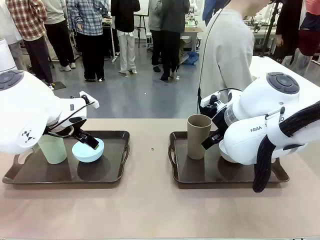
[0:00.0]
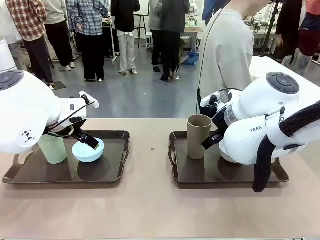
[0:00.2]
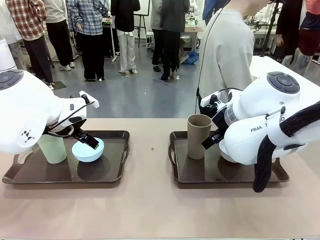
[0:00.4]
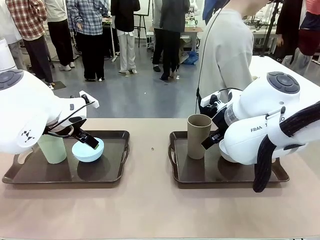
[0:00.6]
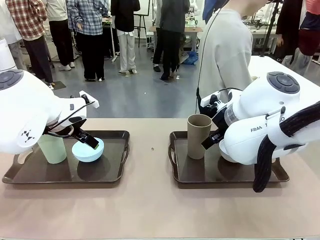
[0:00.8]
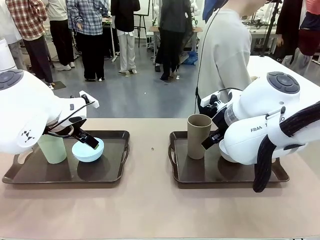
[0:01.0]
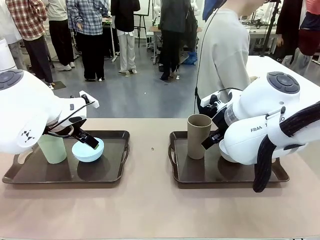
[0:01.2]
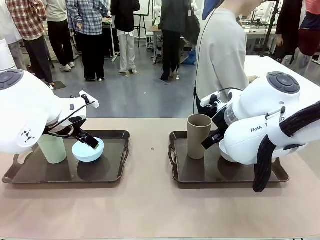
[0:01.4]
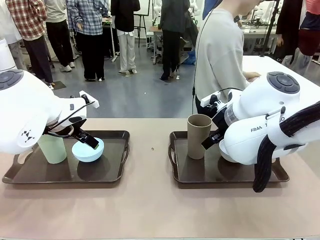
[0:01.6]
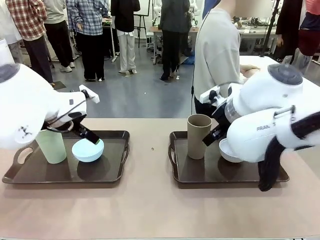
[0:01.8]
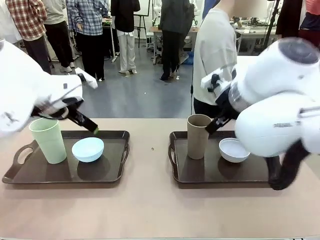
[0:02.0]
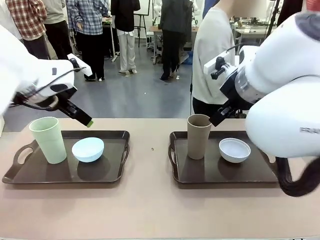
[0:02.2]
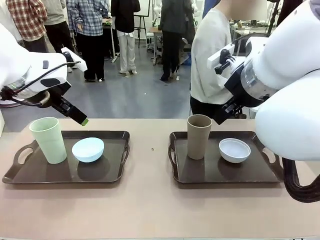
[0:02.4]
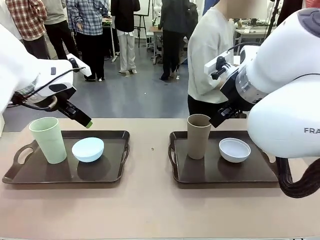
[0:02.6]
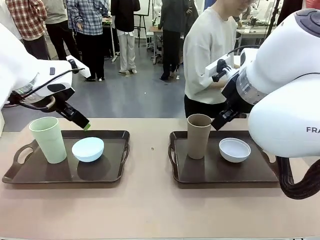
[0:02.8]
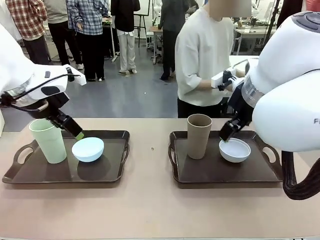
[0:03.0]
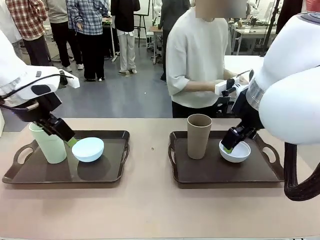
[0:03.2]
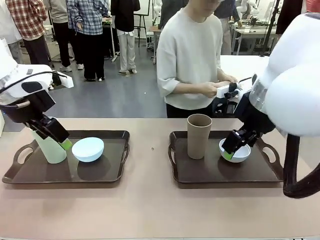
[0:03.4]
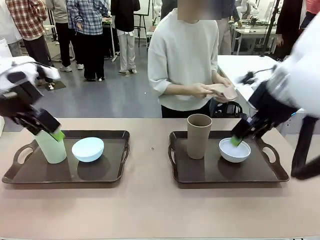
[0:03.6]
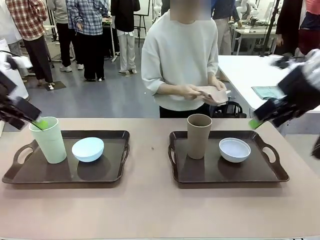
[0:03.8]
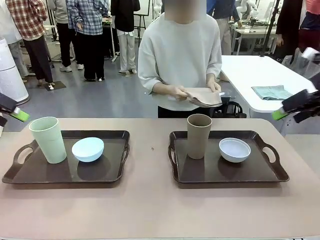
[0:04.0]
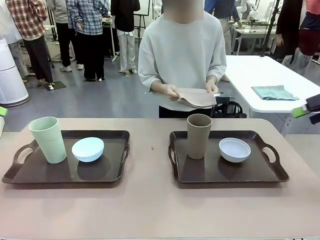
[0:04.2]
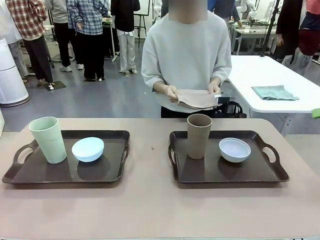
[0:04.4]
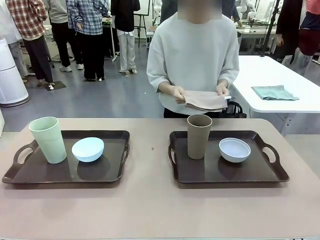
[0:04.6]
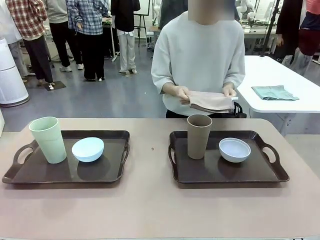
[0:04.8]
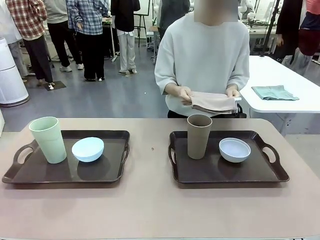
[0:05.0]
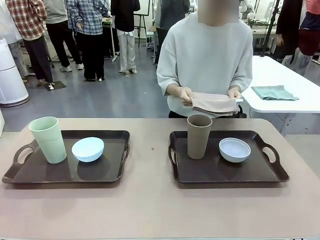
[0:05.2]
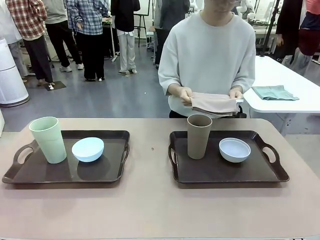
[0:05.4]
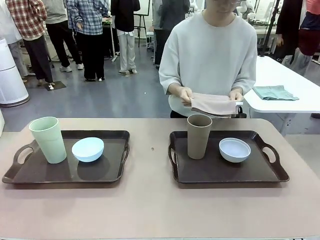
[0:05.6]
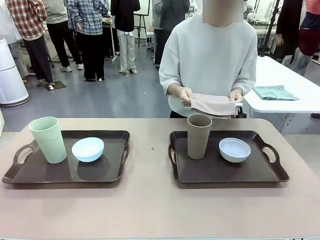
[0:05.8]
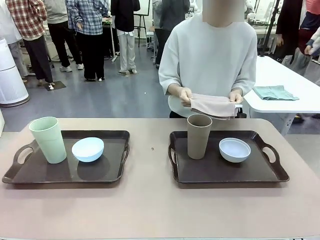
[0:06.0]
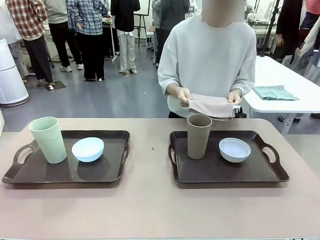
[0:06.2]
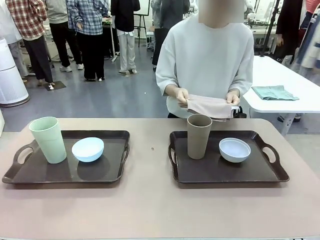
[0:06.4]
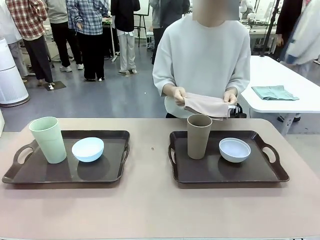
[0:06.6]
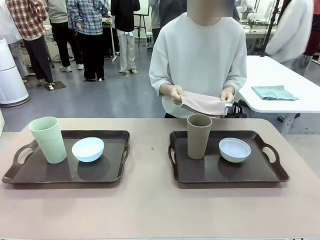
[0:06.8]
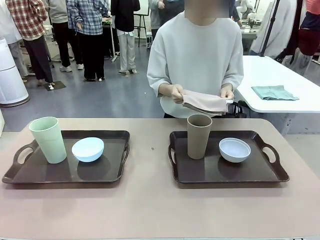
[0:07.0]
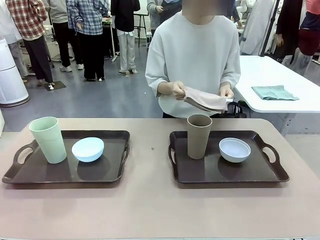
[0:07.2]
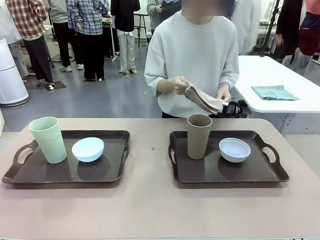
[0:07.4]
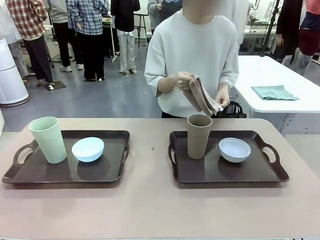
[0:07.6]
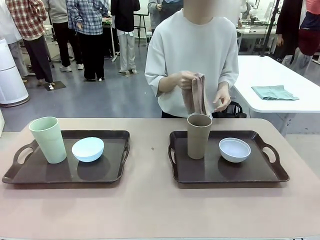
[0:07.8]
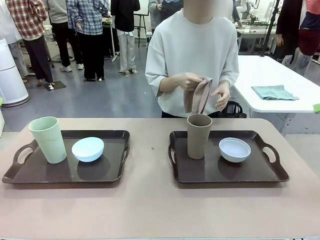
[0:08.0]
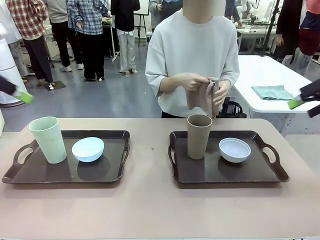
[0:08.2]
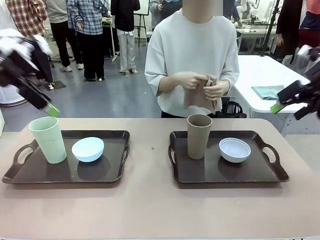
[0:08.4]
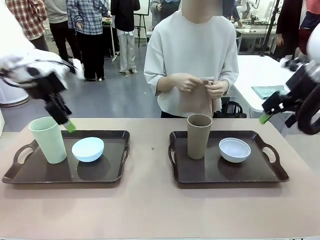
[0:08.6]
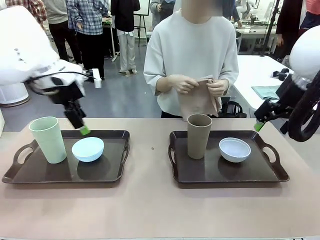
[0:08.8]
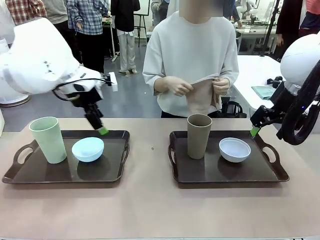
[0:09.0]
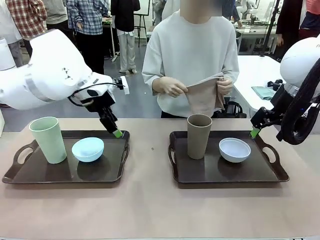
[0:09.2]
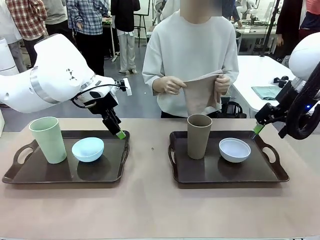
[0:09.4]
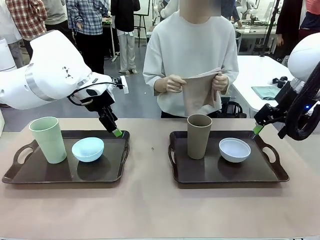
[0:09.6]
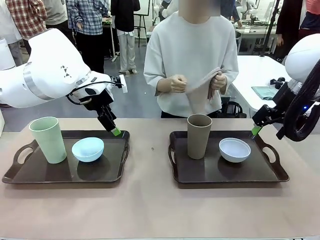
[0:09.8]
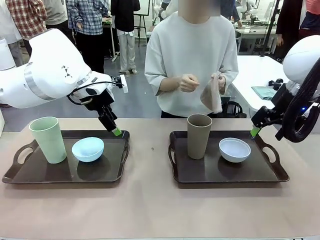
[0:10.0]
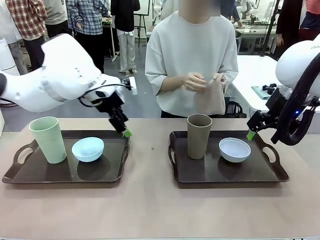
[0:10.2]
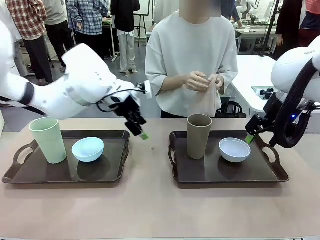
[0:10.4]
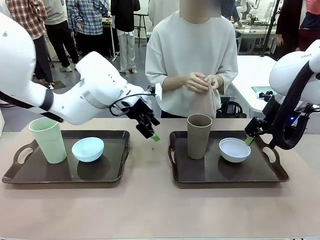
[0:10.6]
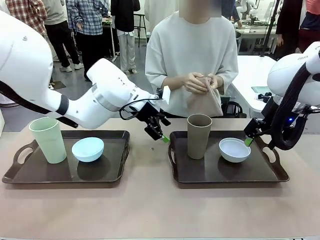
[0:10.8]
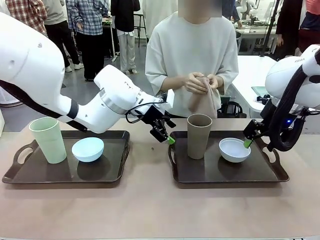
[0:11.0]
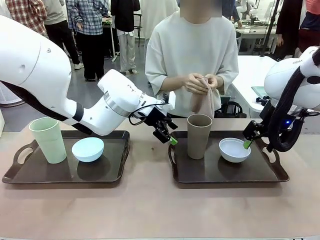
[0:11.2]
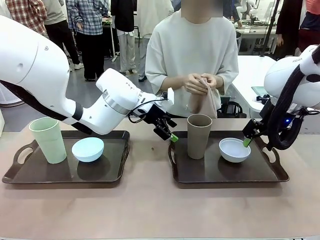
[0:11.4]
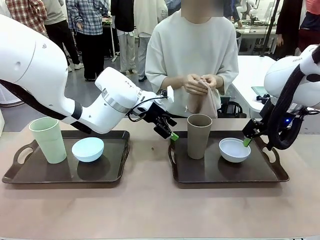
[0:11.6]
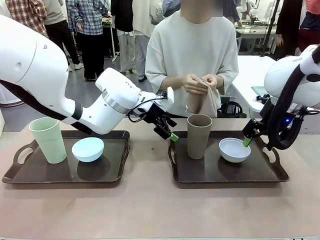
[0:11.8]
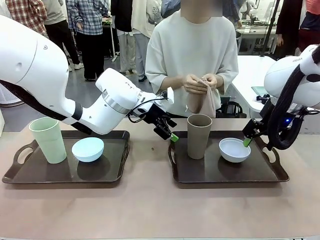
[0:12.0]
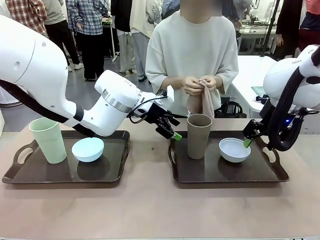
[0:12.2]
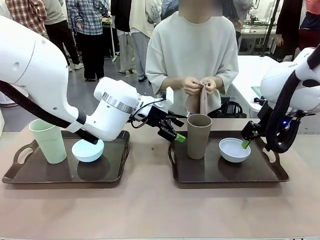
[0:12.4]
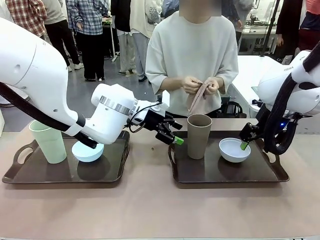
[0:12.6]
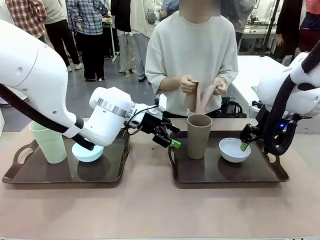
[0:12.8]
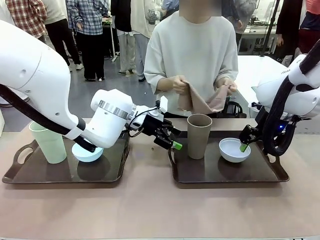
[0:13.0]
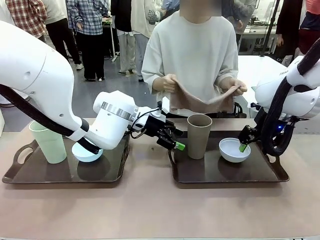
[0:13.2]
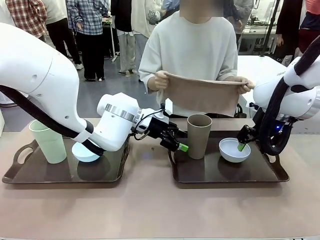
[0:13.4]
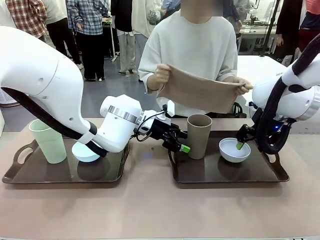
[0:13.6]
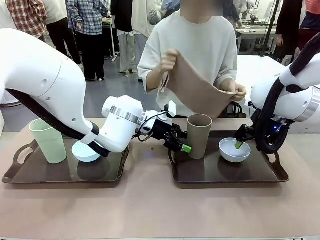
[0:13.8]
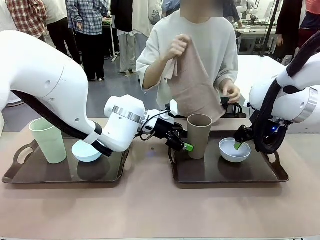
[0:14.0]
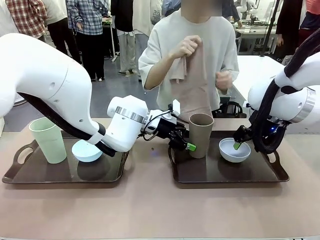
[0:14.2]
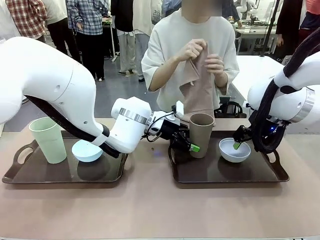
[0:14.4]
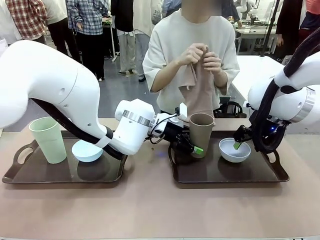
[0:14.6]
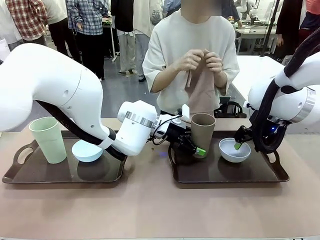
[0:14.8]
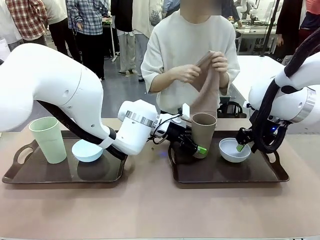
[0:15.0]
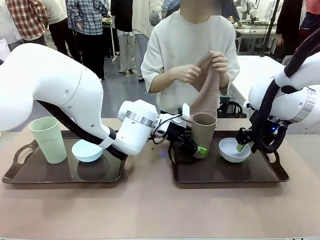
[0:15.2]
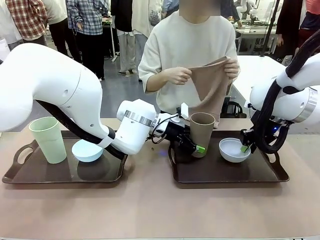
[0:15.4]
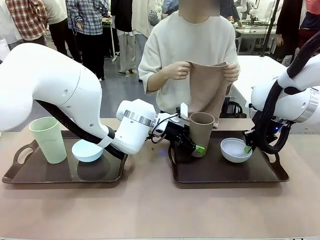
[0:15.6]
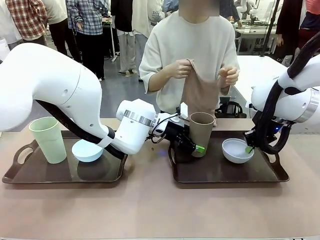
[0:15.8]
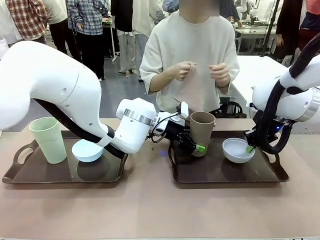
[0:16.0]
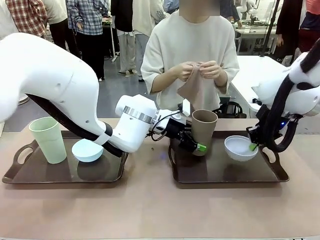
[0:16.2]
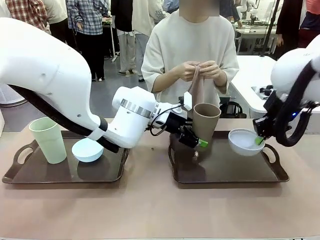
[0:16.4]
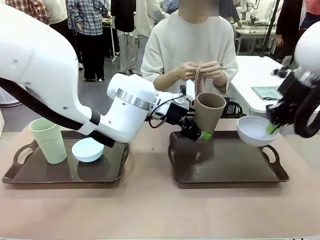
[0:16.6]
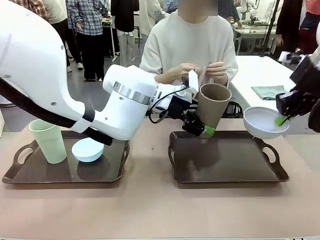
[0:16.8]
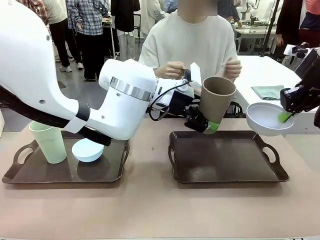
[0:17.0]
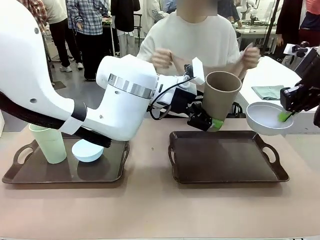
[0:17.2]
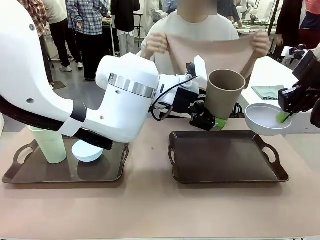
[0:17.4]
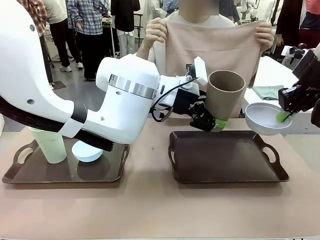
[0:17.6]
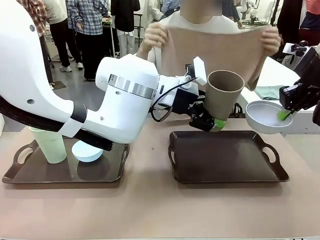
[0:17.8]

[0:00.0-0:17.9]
Robot: Pick up the Picnic Bowl and Reusable plastic cup from the Handle tray in front of the human's position and hold them in the air.
Person: The human picks up the top napkin from the stack on the human table and walks to the robot table to stand in front of one of the two trays. When the robot lifts the bowl and the cup, the human unfolds the napkin and lays the napkin flat on the tray.
